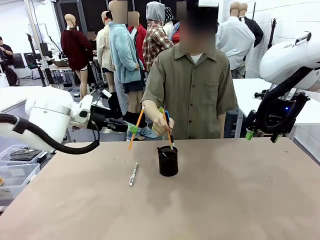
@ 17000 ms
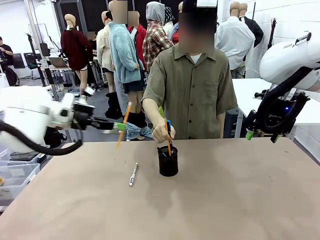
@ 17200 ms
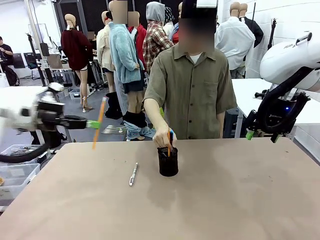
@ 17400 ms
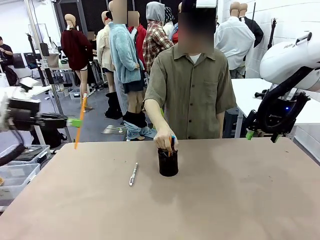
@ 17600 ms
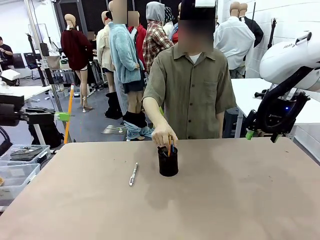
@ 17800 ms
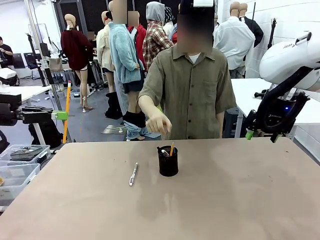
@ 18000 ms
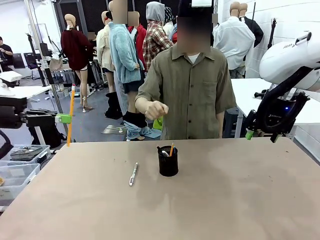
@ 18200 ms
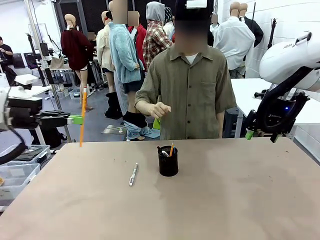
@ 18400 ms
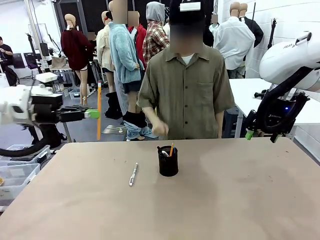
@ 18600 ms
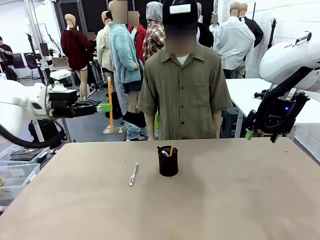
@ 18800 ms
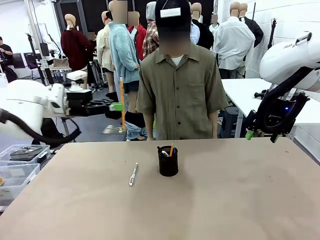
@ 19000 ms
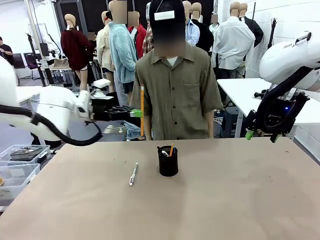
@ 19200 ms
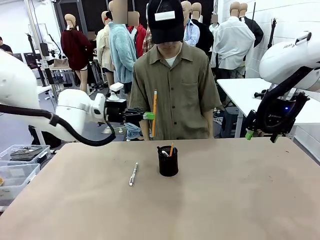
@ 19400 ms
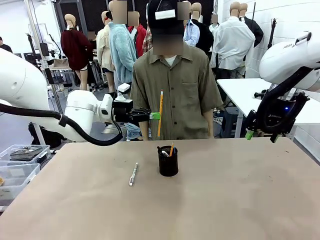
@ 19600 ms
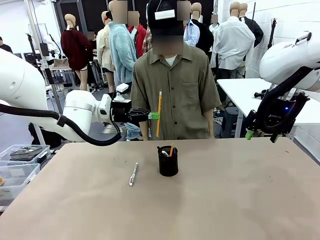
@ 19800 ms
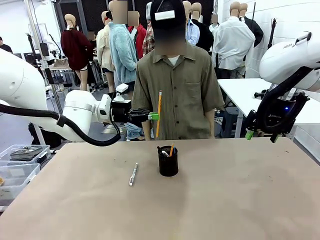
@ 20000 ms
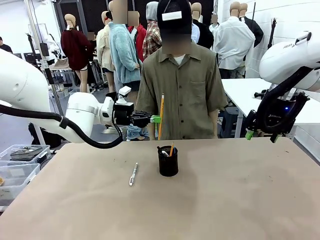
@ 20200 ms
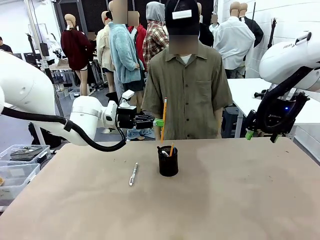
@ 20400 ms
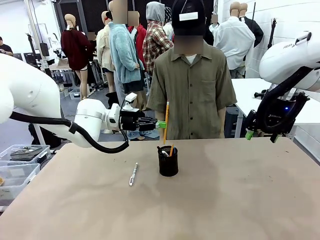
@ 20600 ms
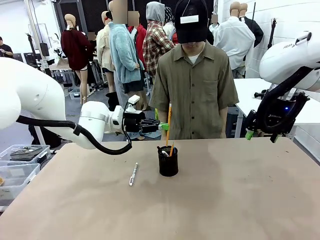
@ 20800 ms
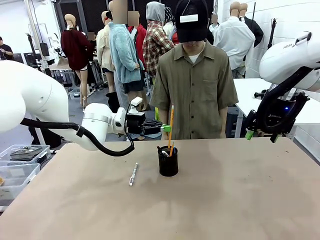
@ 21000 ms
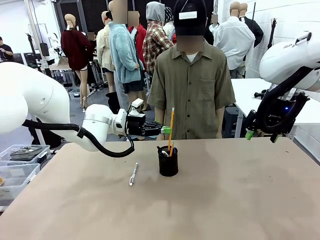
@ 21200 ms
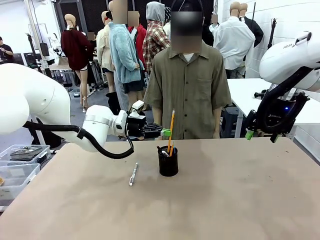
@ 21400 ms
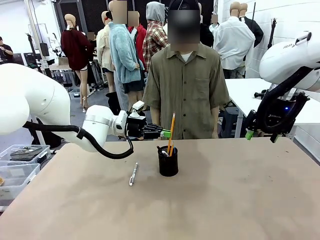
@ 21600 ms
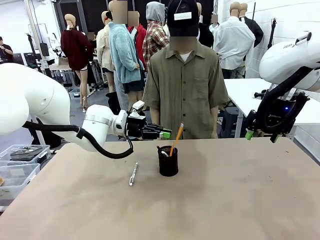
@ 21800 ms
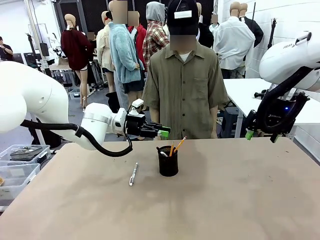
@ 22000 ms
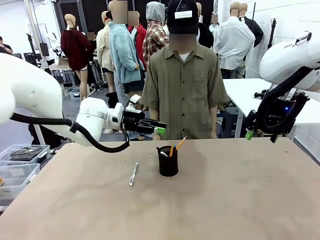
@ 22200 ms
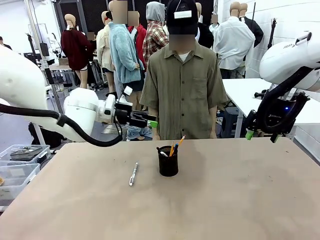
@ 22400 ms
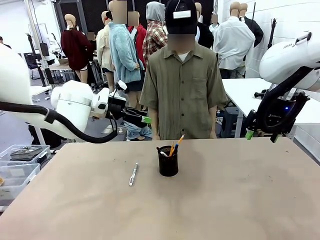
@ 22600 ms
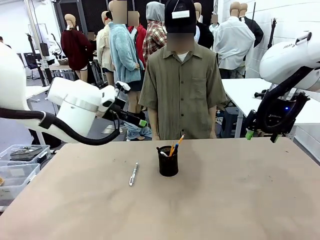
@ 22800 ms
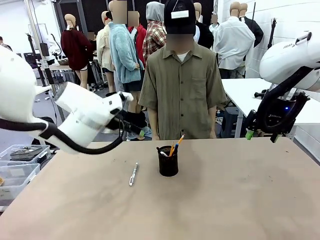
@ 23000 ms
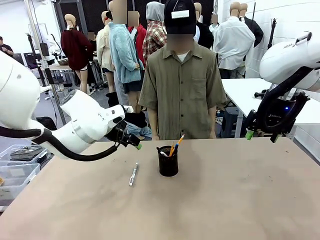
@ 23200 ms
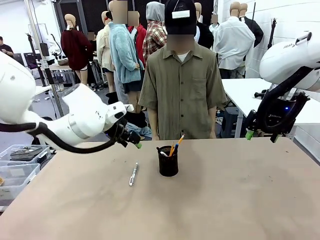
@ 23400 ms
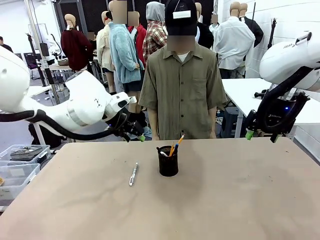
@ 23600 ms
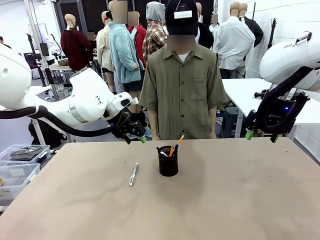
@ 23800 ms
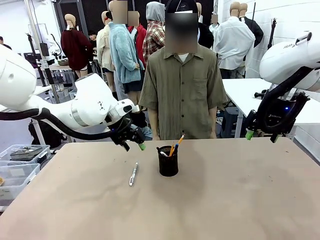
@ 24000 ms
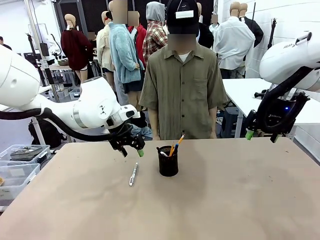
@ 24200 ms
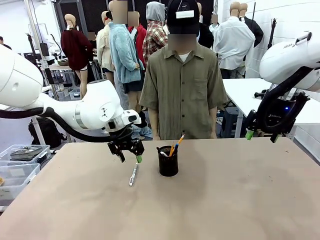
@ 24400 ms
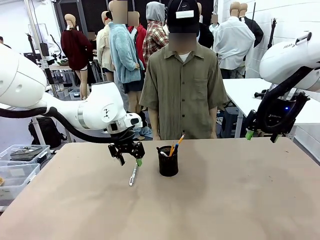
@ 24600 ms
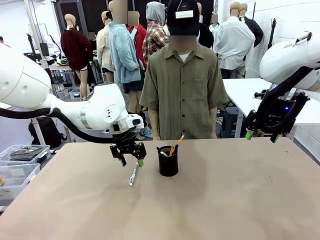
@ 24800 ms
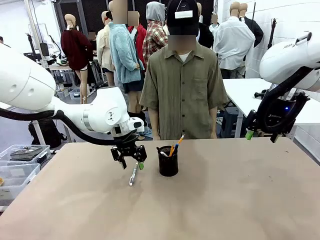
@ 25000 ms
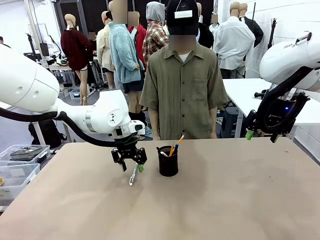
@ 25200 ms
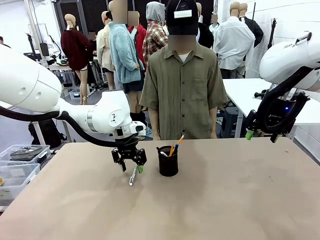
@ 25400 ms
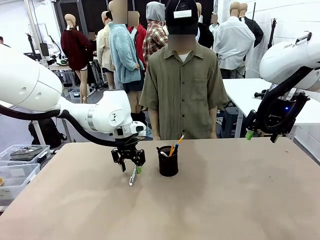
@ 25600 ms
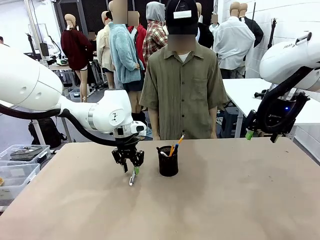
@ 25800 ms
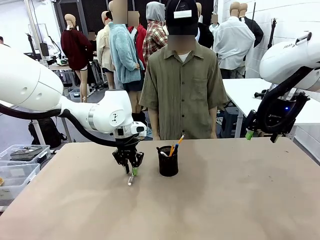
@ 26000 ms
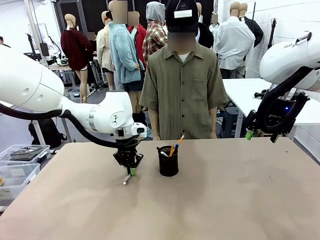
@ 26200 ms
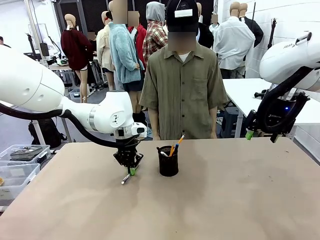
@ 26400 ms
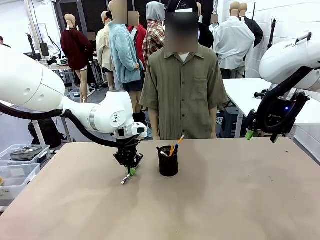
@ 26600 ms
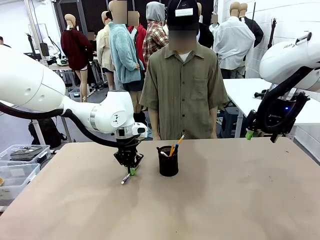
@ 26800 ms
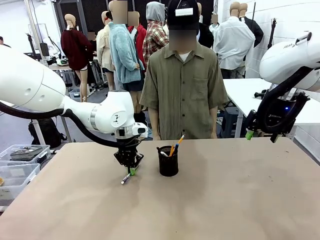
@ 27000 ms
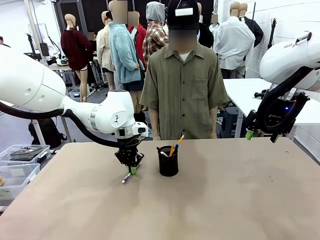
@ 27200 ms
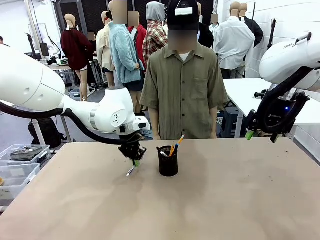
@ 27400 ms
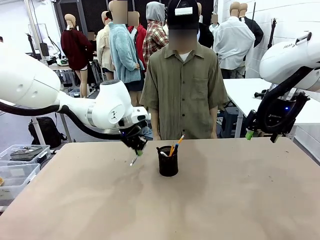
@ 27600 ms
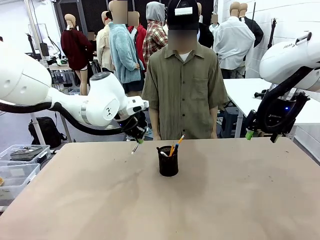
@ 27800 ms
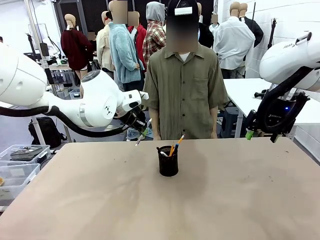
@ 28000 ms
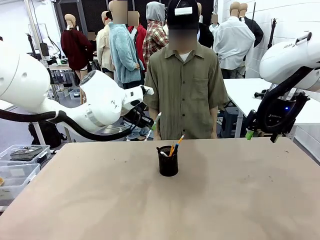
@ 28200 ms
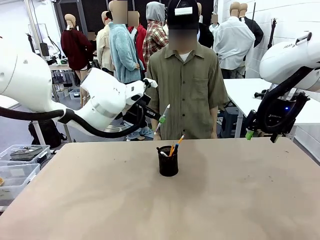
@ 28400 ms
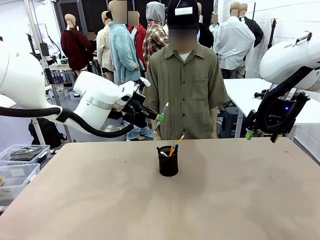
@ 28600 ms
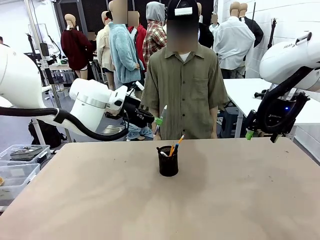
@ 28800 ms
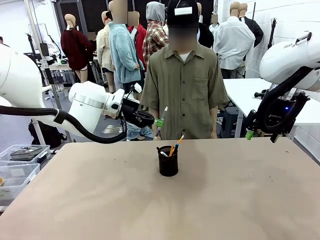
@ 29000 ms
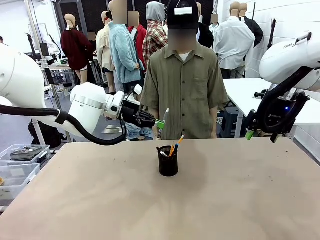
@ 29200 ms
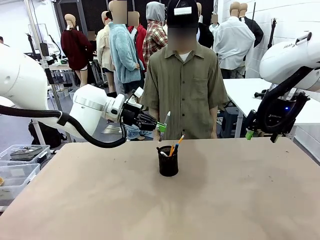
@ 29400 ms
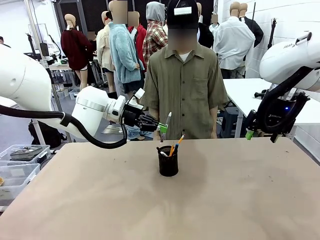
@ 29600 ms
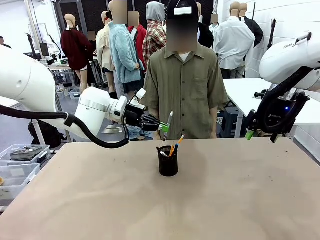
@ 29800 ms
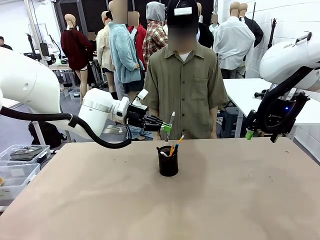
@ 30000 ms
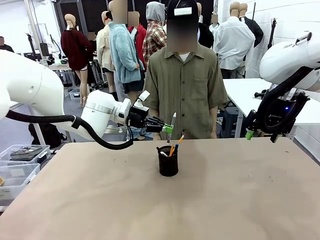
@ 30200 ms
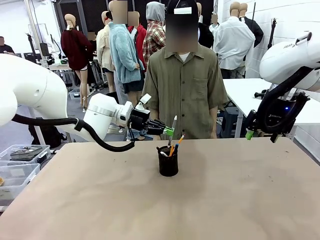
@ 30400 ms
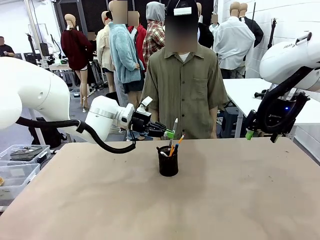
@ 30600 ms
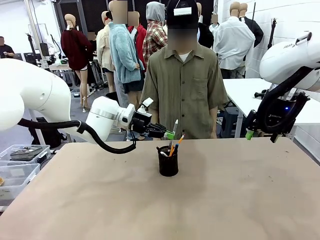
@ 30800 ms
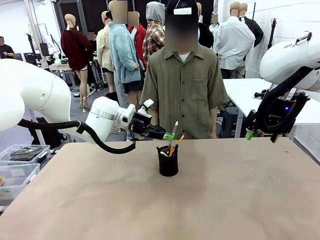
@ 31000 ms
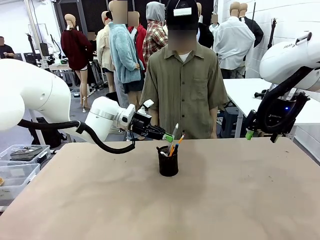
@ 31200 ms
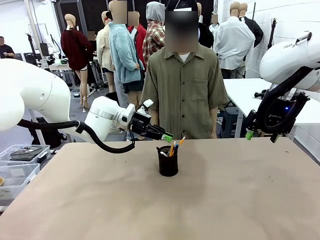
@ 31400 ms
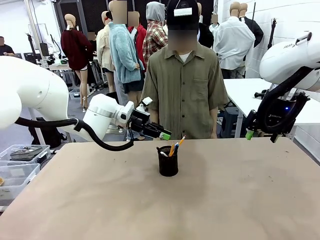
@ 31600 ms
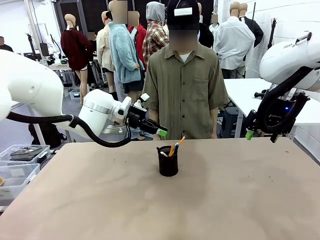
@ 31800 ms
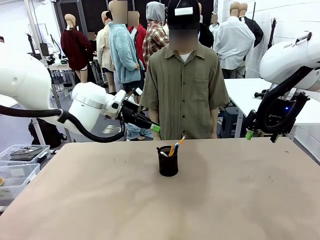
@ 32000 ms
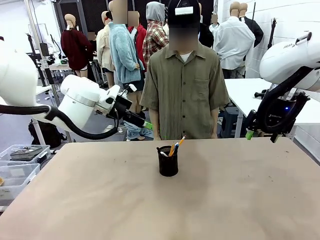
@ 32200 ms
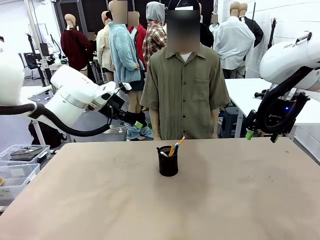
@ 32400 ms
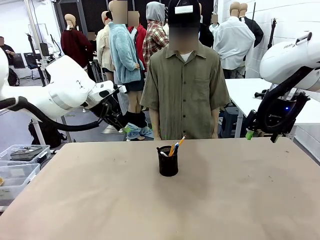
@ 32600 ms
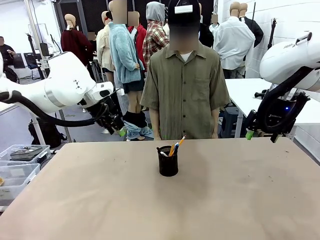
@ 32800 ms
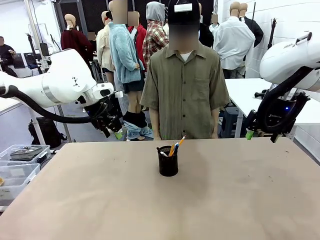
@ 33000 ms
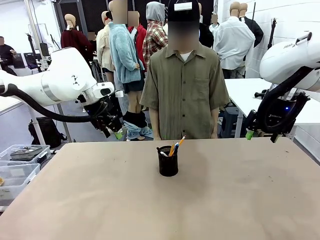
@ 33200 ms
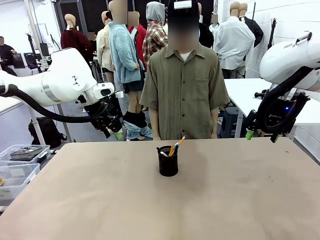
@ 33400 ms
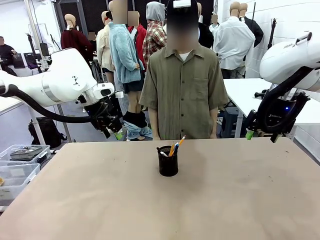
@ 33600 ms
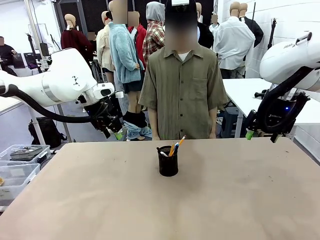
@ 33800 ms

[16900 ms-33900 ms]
Task: Place the pens into the pen holder.
Robot: Pick up a writing instrument from the table and place it into the Pen holder.
Person: Place all writing instrument into the Pen holder.
